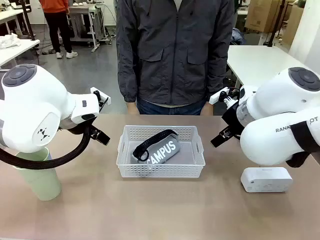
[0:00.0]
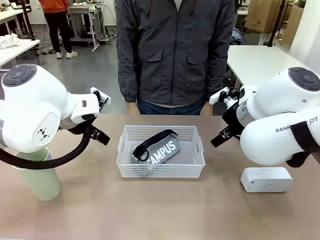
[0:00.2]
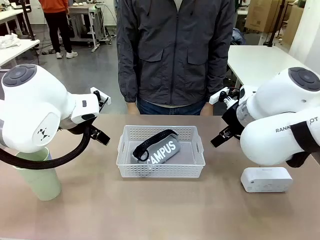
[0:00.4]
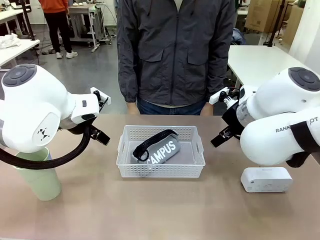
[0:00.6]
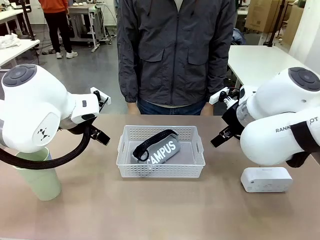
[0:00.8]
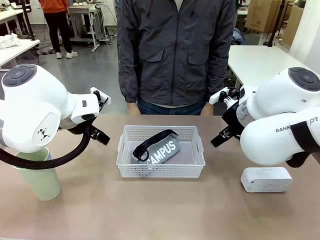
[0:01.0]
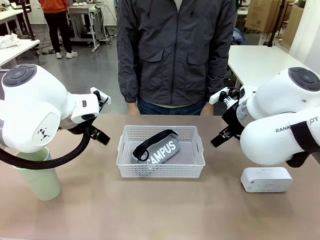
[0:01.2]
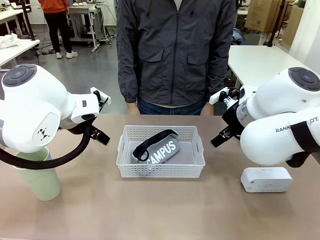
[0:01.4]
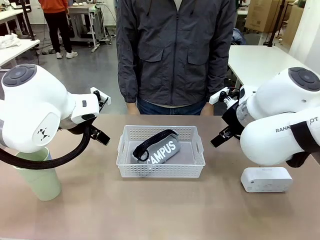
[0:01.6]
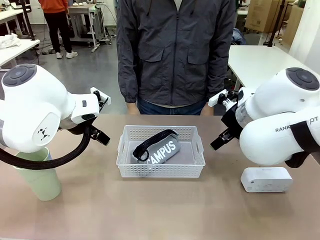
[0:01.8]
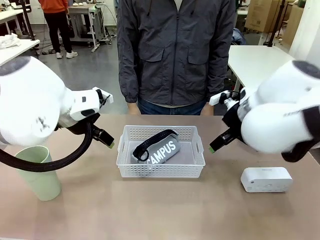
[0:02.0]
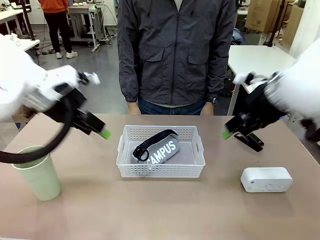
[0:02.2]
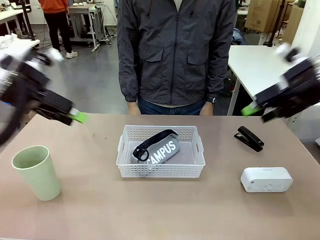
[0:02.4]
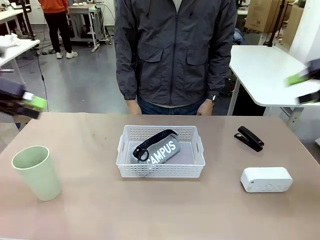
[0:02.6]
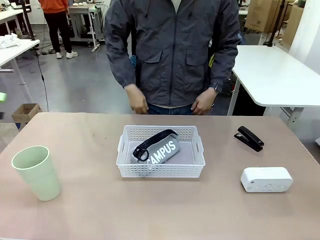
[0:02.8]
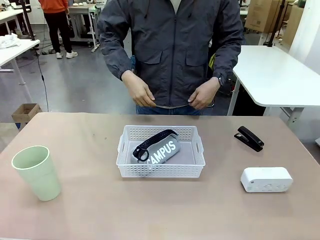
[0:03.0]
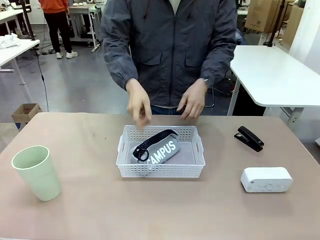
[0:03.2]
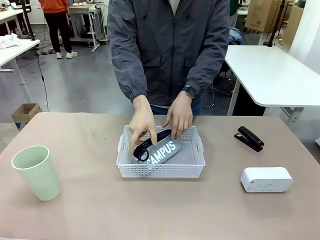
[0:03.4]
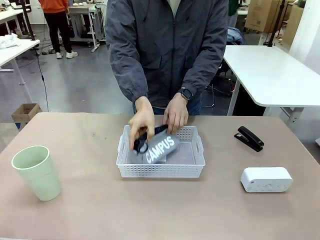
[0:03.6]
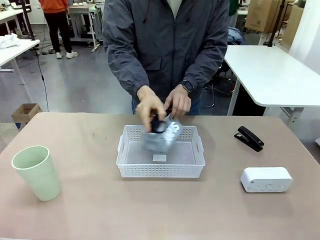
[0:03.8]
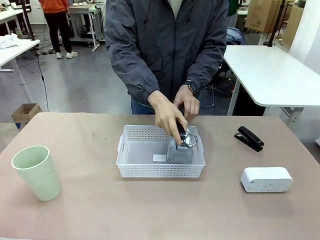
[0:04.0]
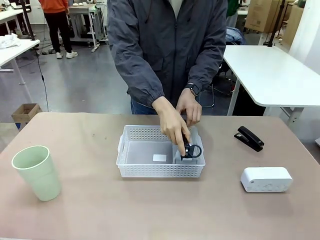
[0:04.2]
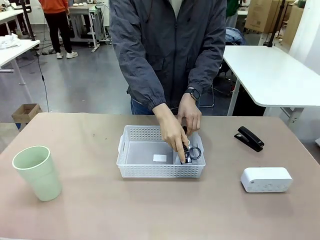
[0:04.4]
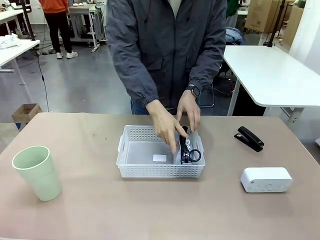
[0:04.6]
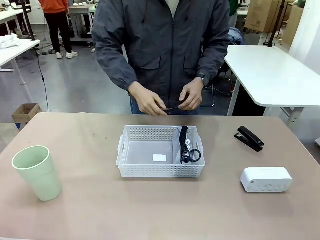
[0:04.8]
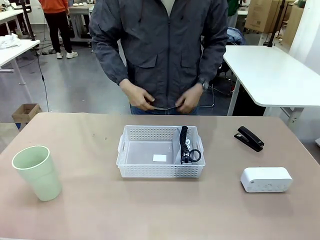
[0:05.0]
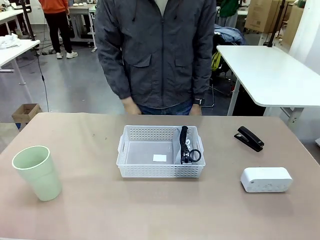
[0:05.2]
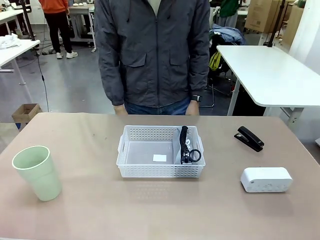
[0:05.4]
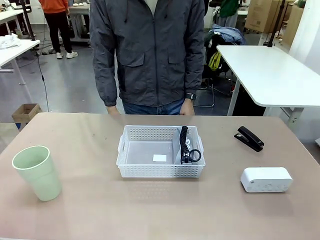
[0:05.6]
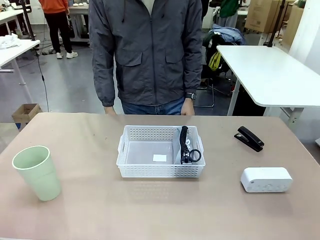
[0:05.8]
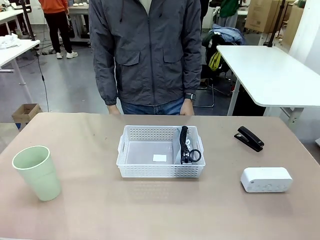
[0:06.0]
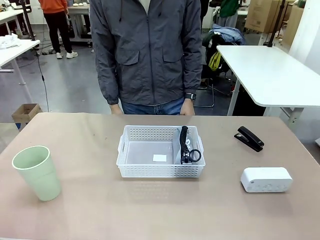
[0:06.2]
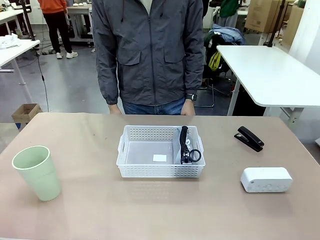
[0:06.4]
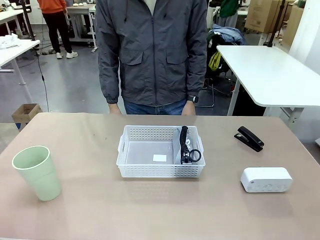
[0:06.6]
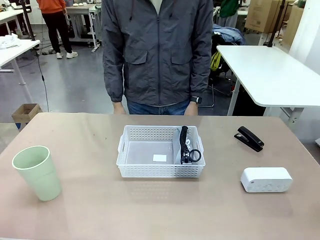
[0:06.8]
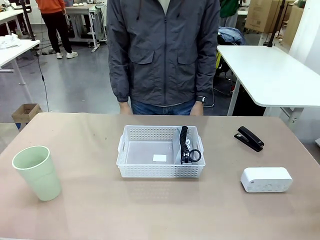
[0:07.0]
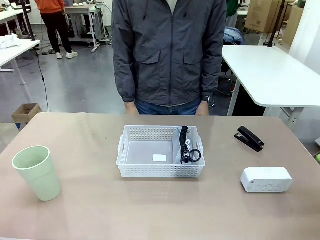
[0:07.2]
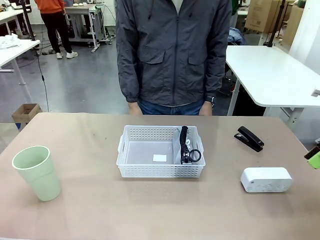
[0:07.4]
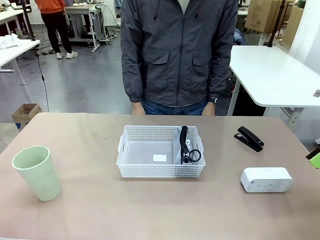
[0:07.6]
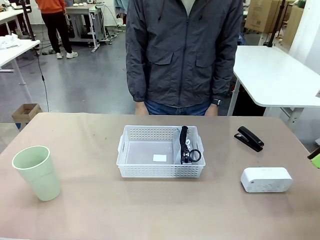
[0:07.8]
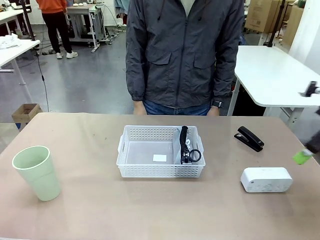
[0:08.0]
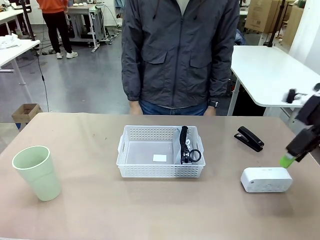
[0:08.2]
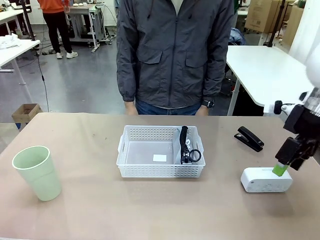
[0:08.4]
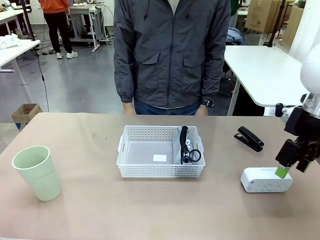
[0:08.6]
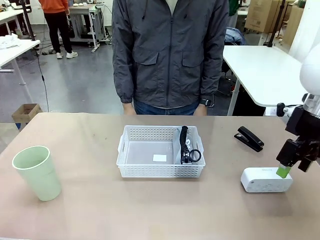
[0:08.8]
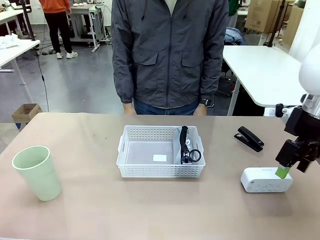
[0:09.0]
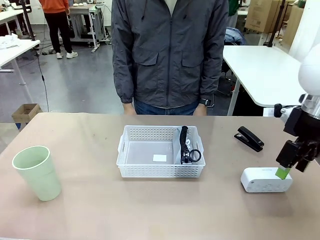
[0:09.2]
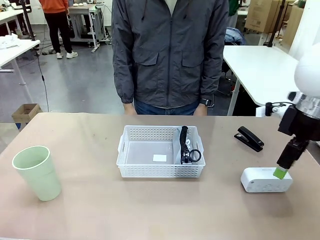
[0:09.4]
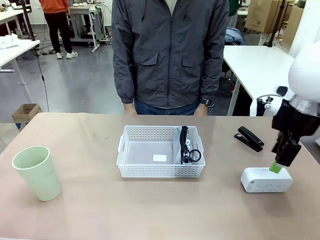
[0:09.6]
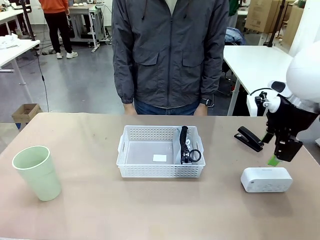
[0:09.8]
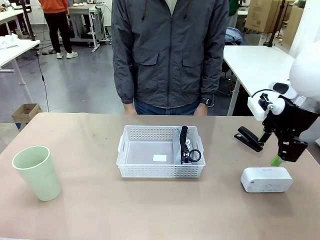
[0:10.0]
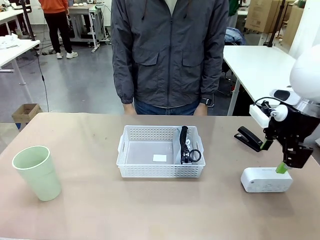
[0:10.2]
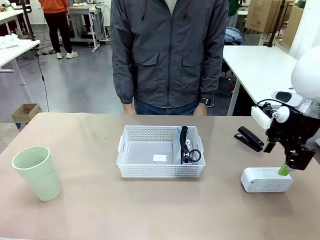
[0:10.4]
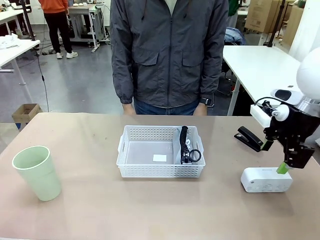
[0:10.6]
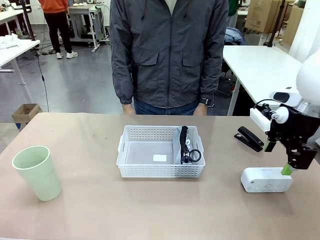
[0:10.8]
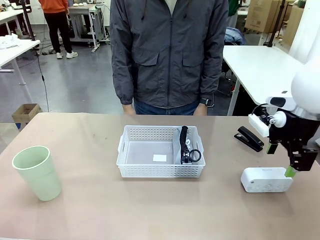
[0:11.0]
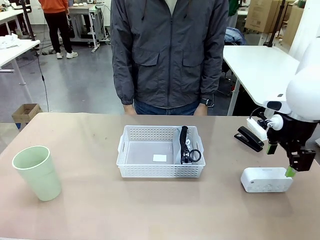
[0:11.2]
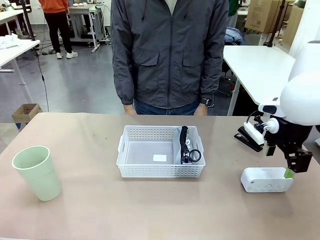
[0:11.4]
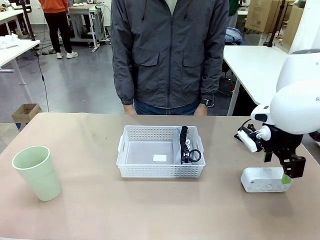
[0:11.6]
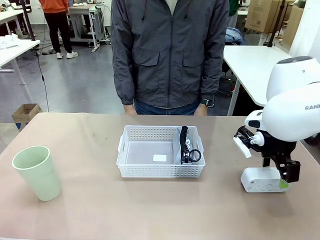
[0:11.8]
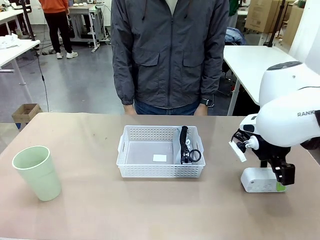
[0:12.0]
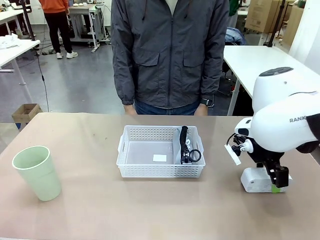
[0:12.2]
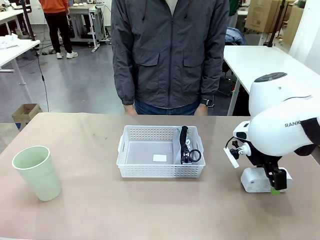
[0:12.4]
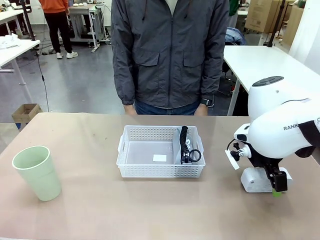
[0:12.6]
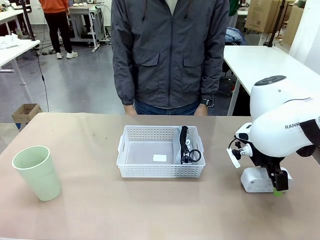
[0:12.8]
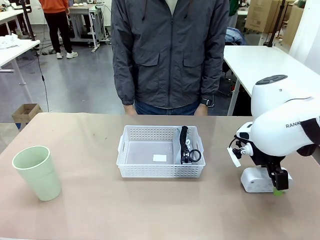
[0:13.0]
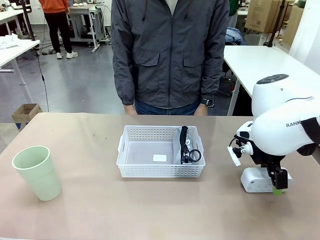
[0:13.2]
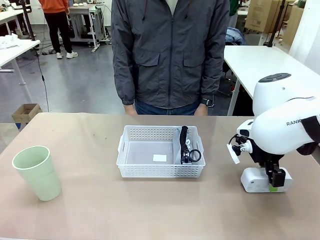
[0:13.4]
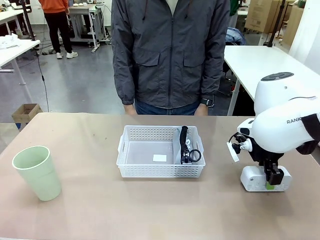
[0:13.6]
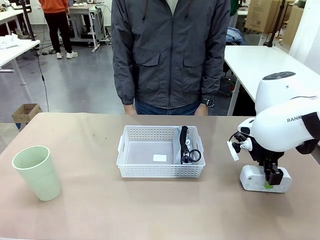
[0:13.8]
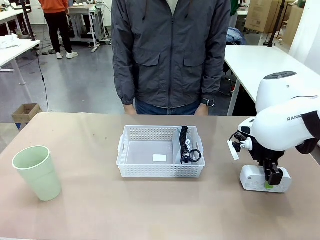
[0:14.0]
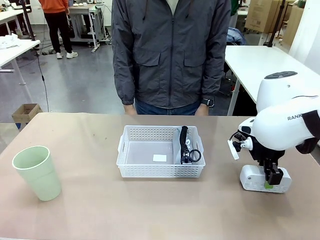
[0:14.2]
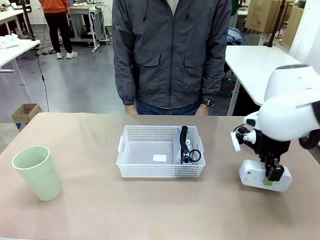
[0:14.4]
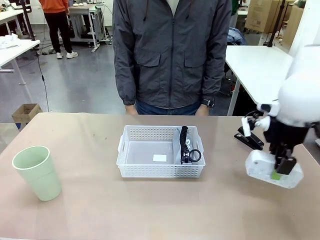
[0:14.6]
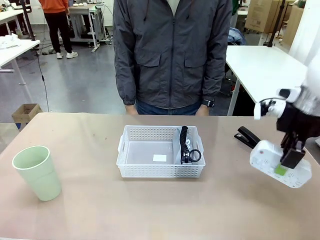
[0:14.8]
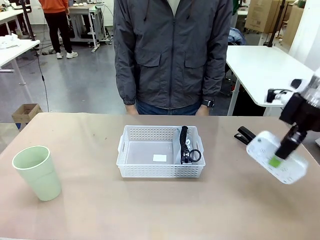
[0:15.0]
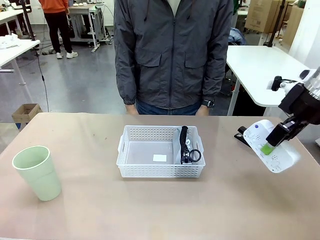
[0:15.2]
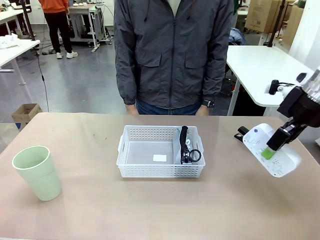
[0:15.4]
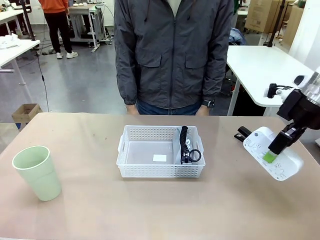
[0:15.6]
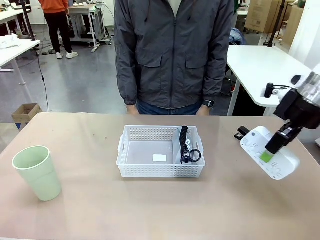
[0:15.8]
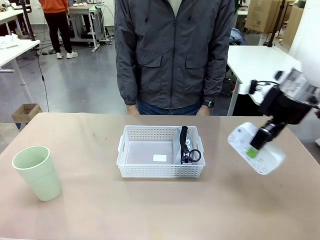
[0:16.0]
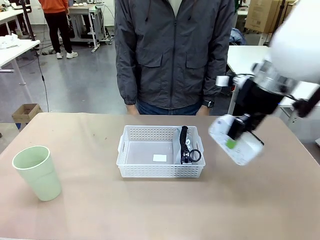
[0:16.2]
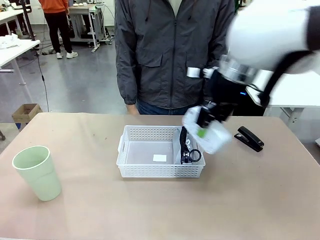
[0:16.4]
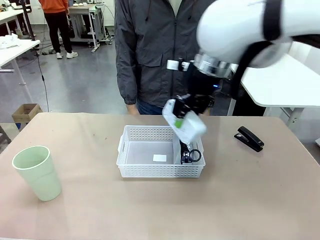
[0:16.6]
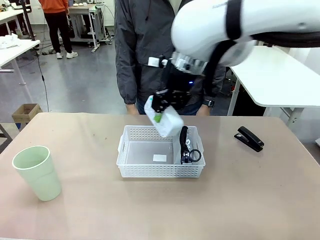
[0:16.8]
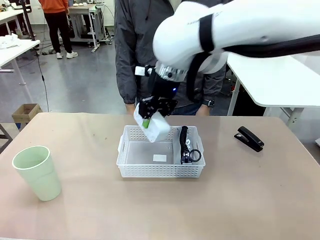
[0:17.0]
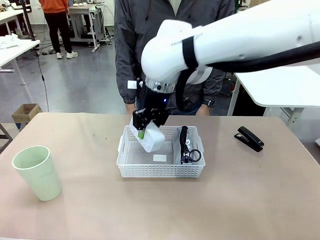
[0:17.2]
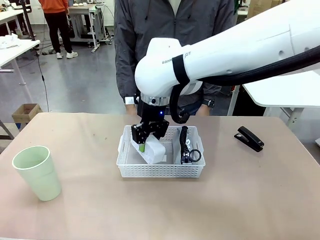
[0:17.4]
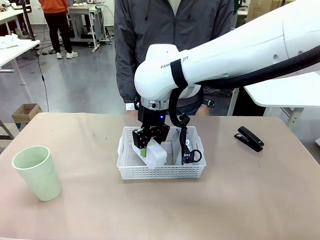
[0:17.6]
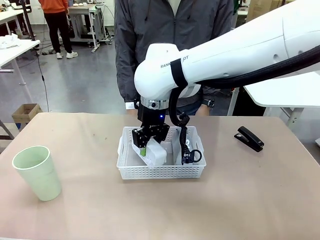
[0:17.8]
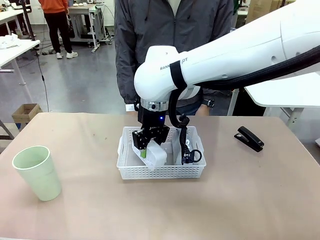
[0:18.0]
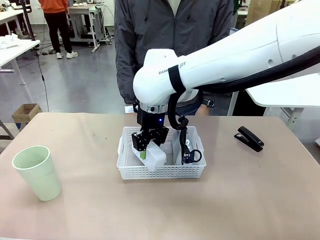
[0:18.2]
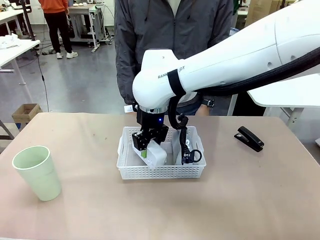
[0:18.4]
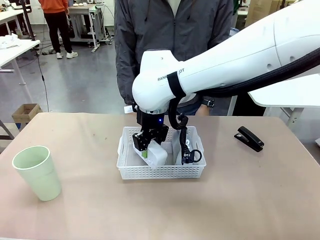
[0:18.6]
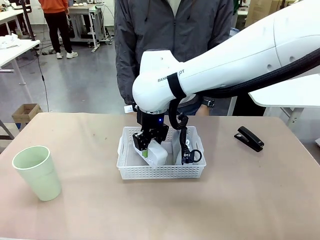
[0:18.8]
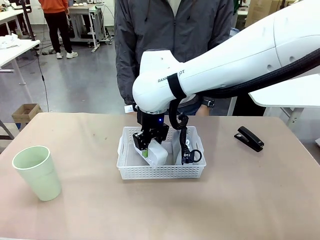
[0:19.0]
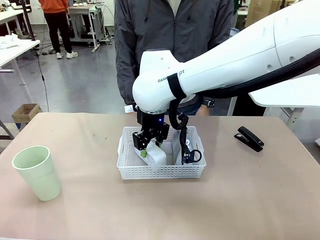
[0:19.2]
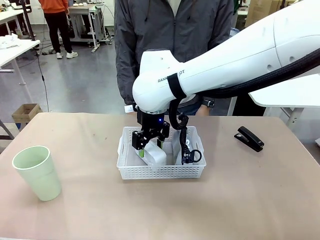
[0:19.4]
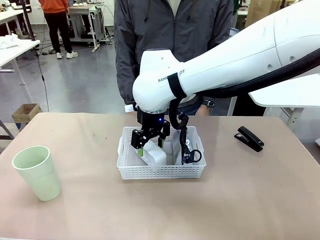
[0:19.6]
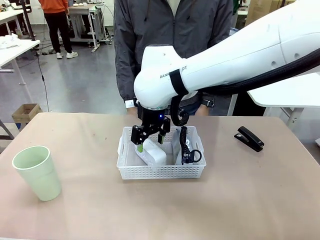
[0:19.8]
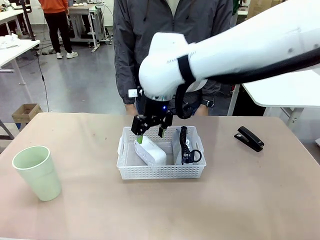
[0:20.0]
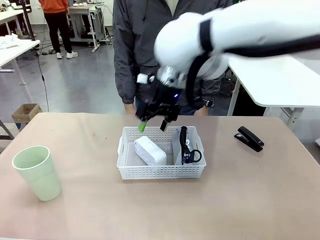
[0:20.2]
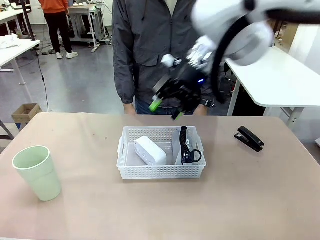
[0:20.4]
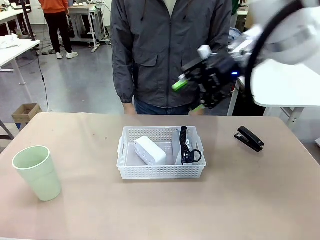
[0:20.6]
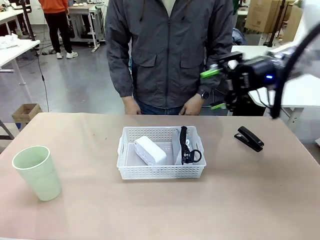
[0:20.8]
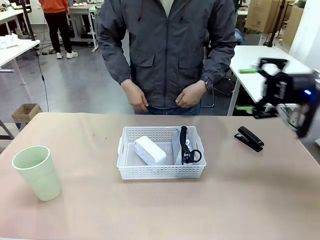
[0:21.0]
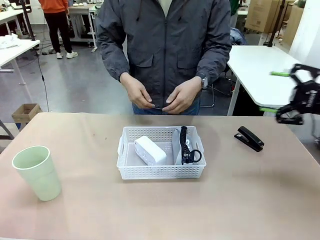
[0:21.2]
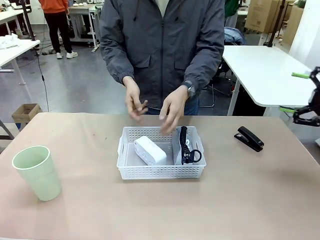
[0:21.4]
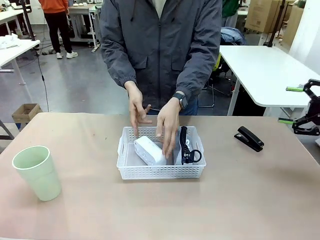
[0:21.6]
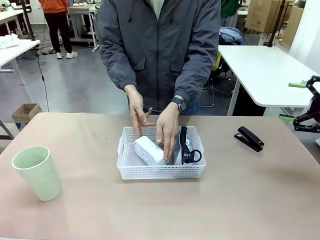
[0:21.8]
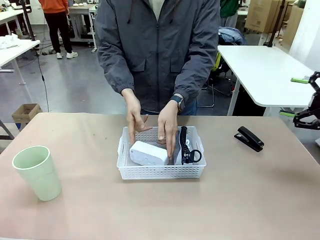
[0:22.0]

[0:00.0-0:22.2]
Task: Efficiently arrange items inside the basket to fit them all.
Robot: Pick up the Digital clock and place it inside the Organizing basket.
Person: Repositions the pencil case. Repositions the digital clock.
